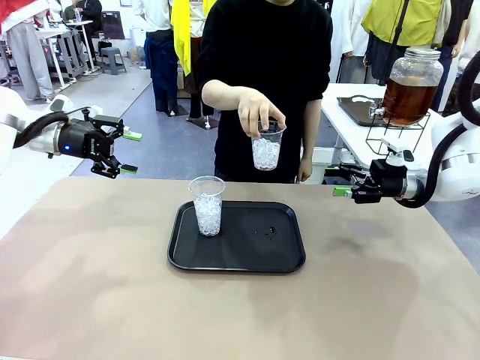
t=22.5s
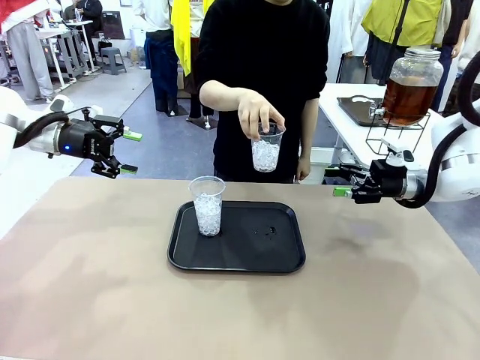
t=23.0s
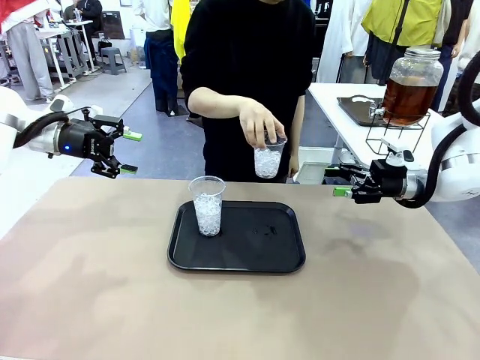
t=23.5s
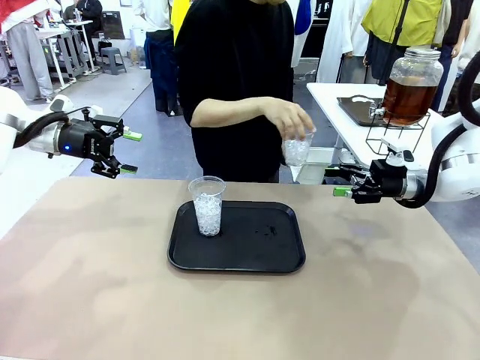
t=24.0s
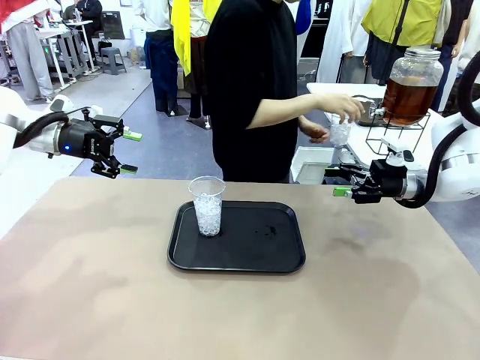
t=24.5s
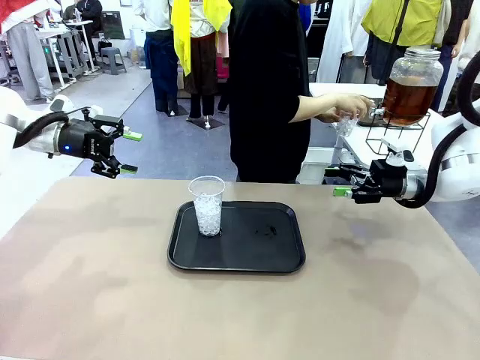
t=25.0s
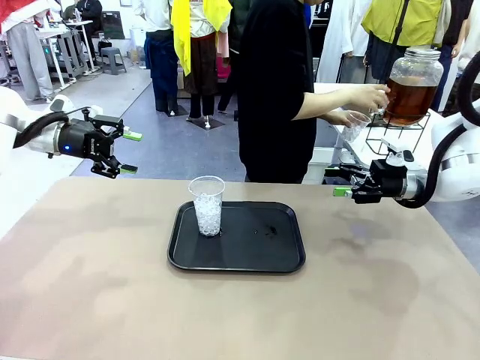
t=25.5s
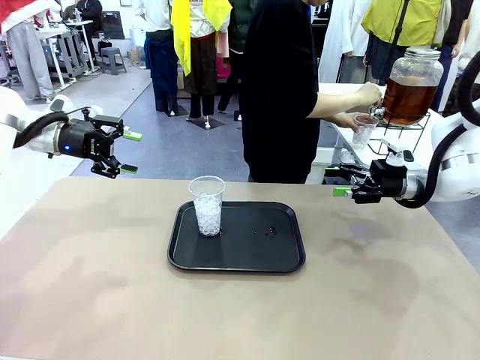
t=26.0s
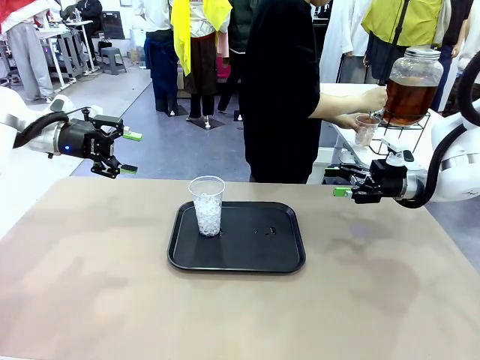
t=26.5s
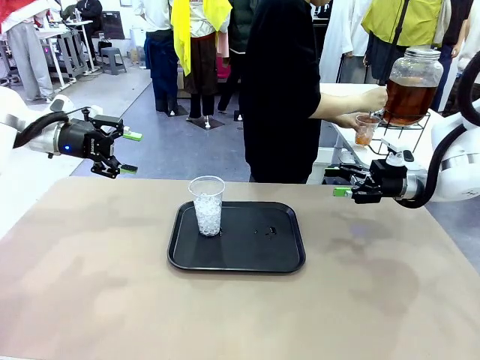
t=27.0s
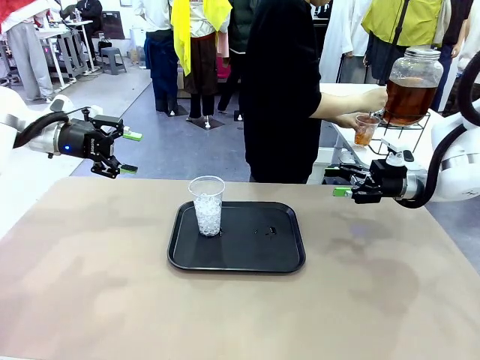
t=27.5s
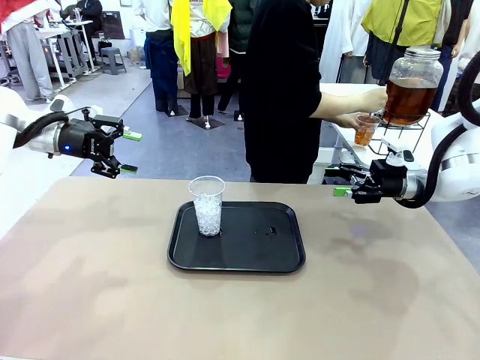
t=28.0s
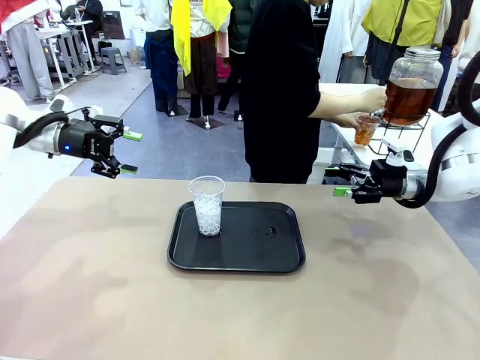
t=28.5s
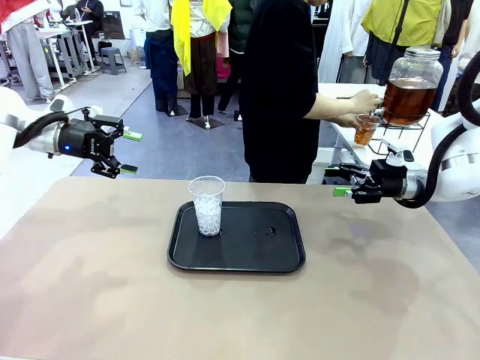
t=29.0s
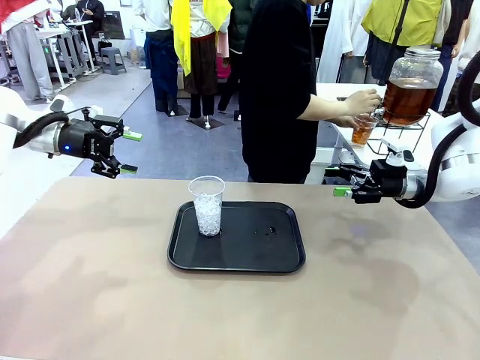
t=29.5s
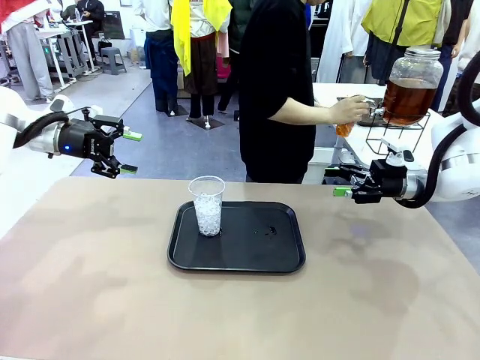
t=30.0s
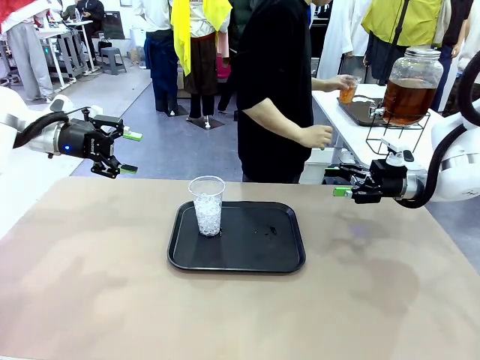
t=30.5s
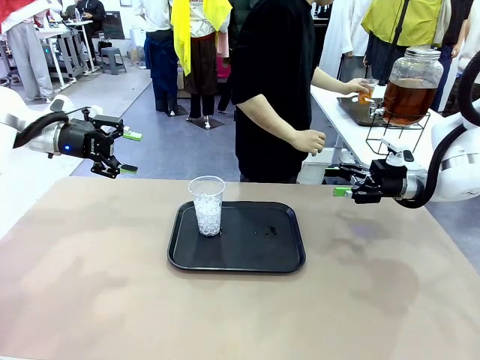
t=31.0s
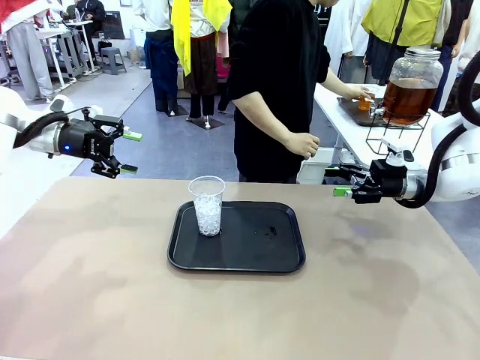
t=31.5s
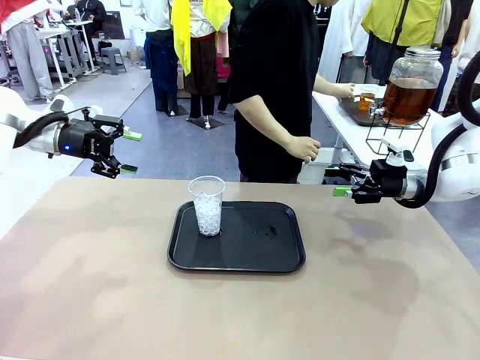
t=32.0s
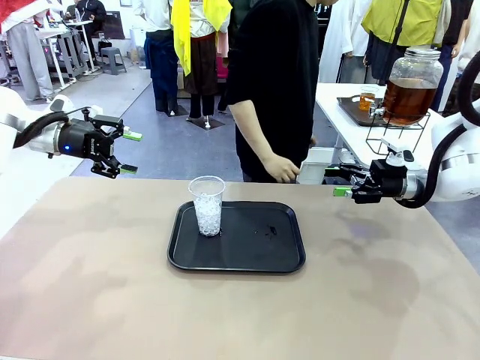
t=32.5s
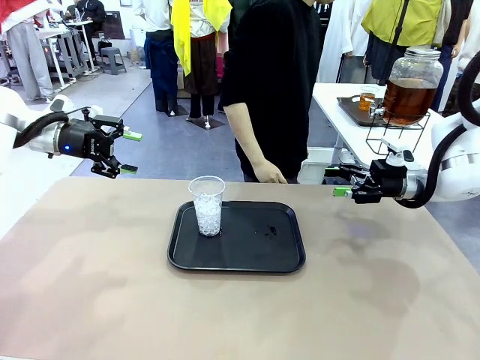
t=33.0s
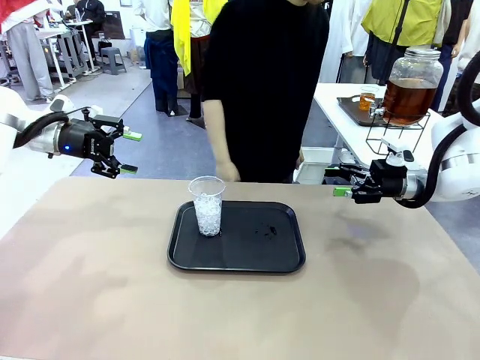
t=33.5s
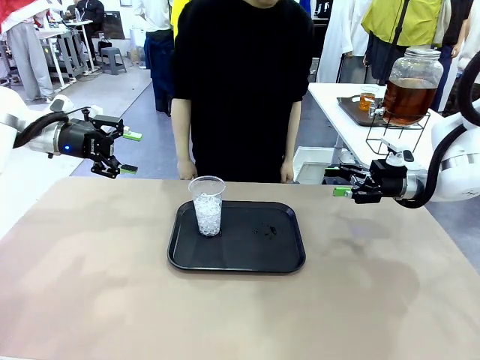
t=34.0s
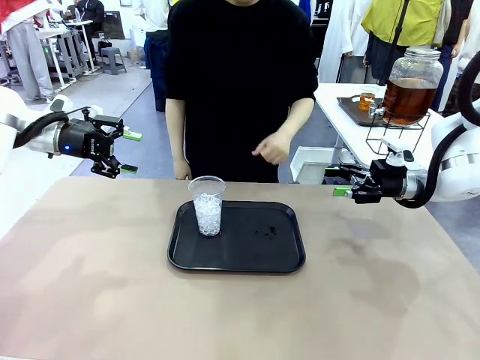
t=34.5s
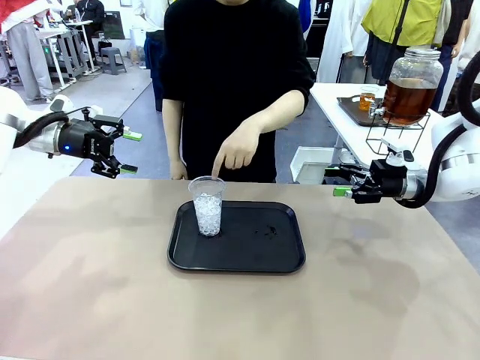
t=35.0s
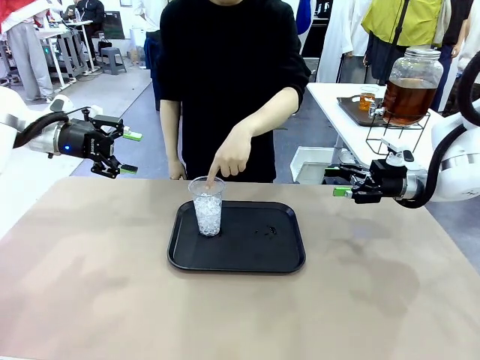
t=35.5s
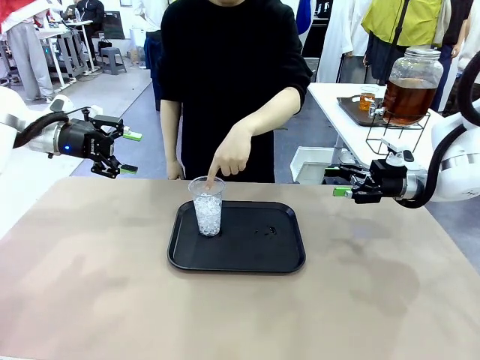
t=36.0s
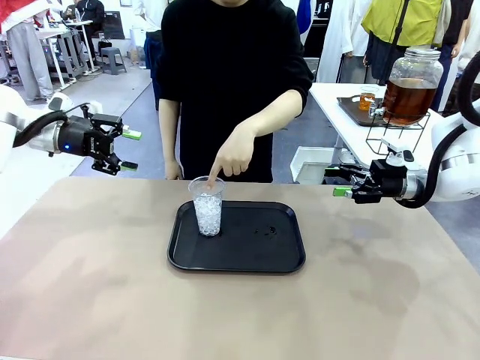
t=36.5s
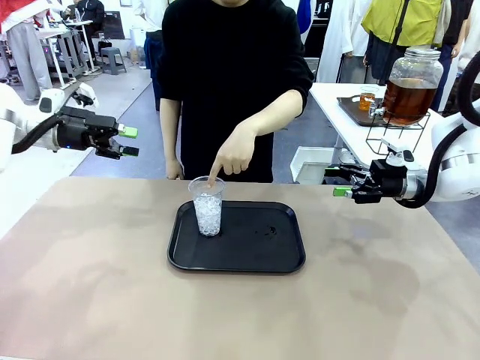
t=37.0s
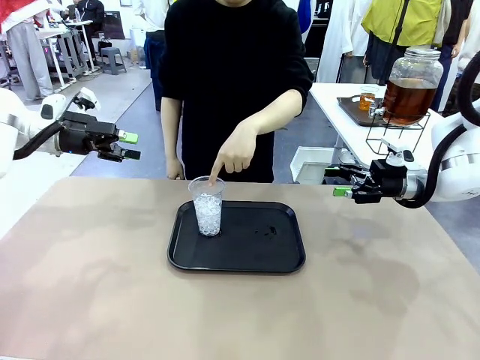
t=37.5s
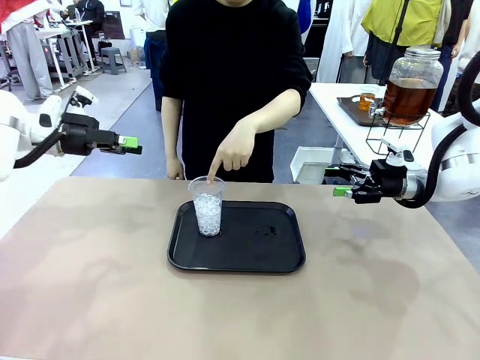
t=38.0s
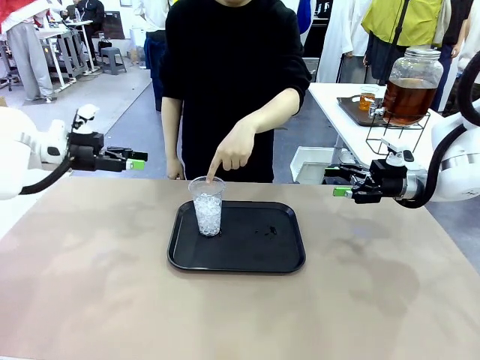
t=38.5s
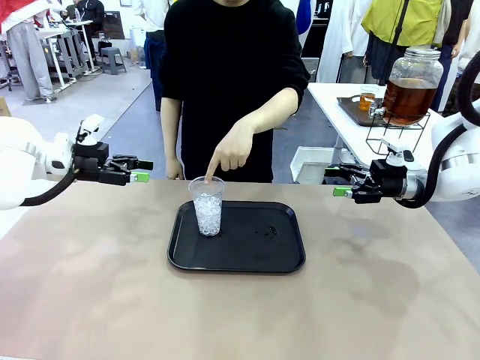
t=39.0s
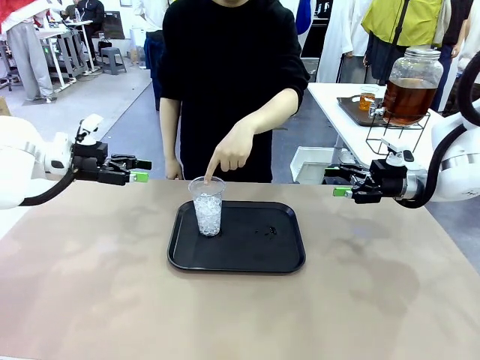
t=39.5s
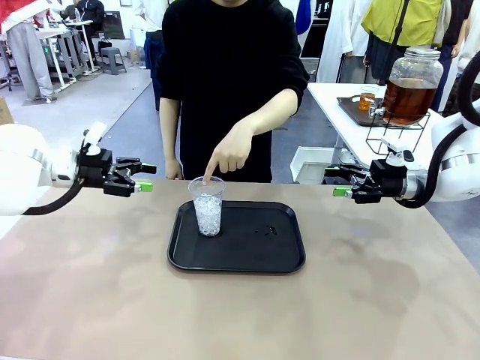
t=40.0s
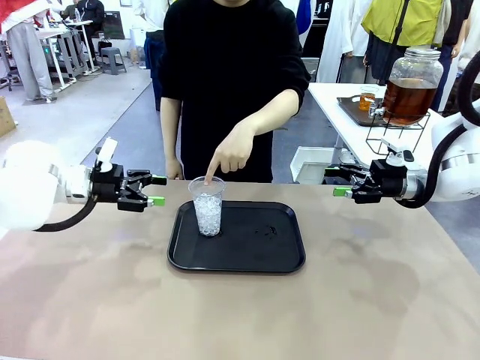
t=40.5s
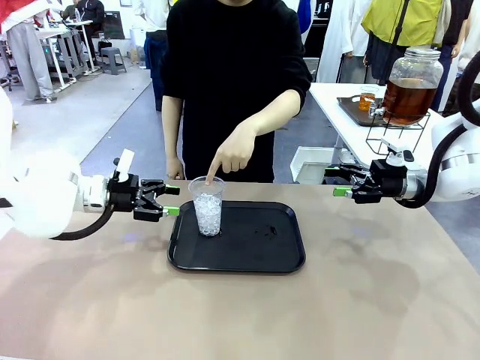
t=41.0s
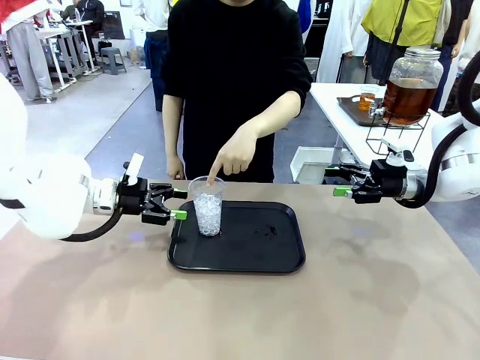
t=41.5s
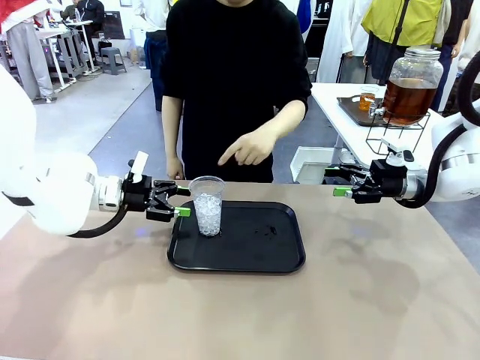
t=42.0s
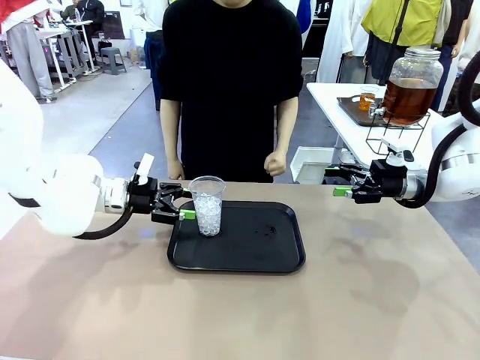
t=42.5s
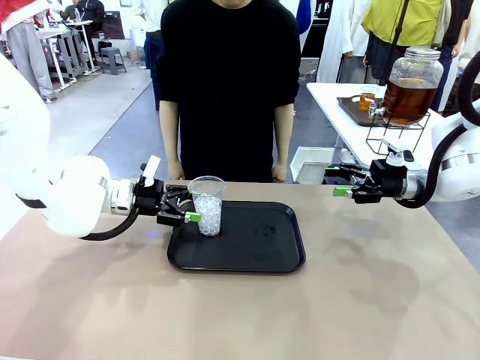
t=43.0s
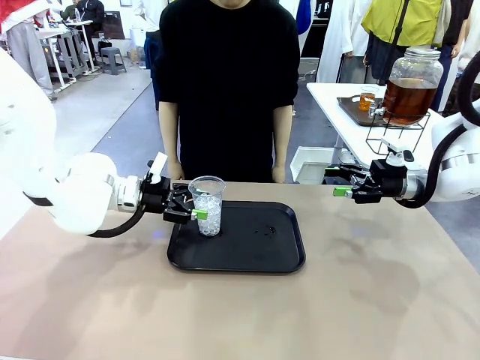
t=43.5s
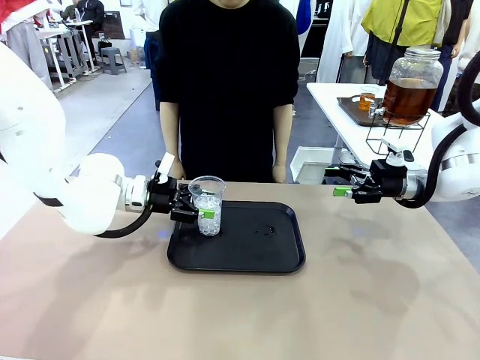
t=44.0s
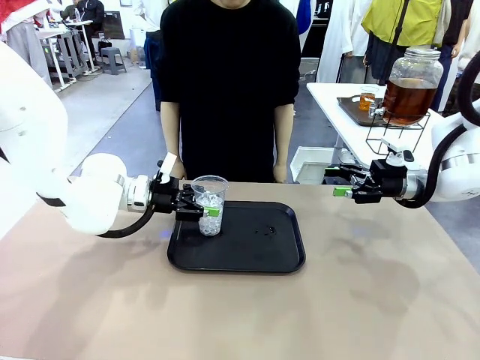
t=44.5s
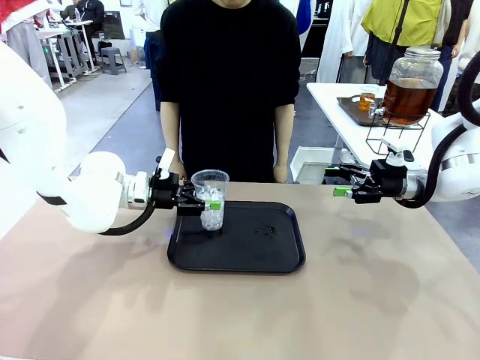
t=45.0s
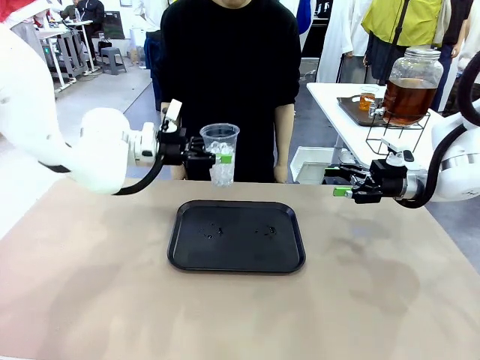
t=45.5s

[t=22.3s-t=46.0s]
Task: Pour the drink into the iced cup.
Robot: Pick up the iced cup indicated by the human and present it to them.
Person: Move the picked-up cup under the dispenser faucet, pour the drink, and place it on the tray on the human table. Point to the remaining ice cup on the robot table. Pick up the cup offered by the robot.
